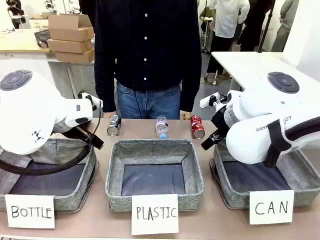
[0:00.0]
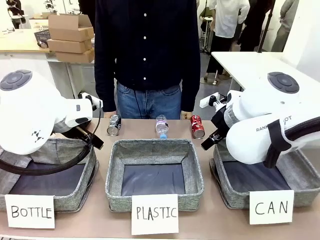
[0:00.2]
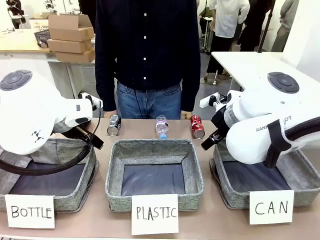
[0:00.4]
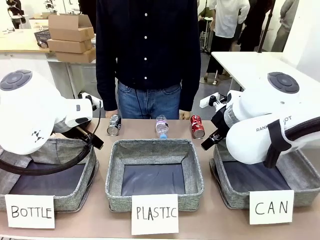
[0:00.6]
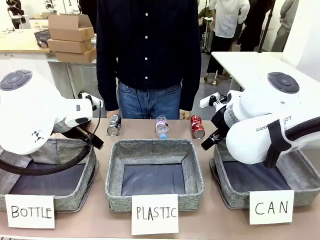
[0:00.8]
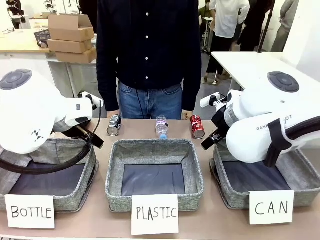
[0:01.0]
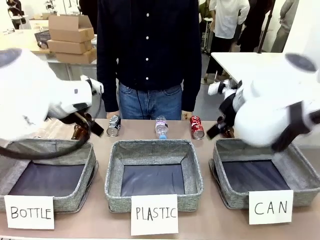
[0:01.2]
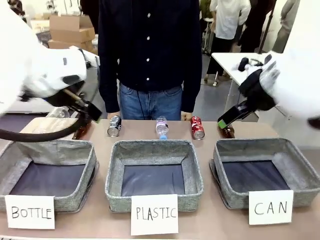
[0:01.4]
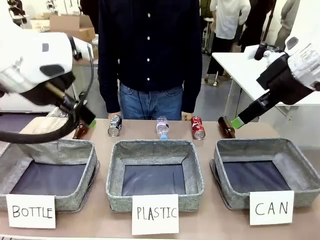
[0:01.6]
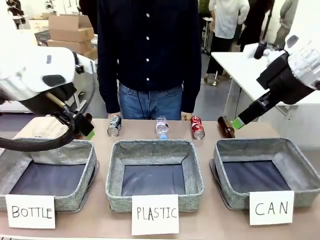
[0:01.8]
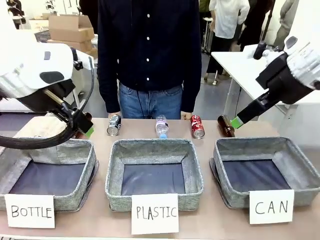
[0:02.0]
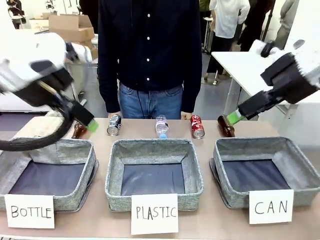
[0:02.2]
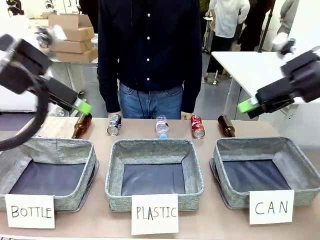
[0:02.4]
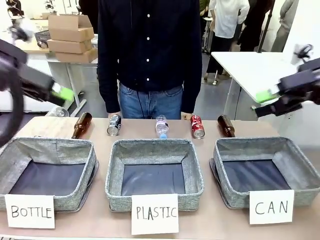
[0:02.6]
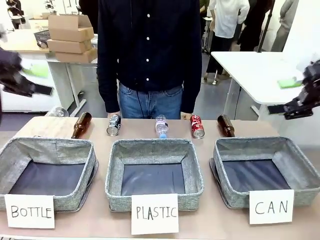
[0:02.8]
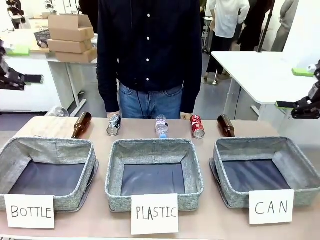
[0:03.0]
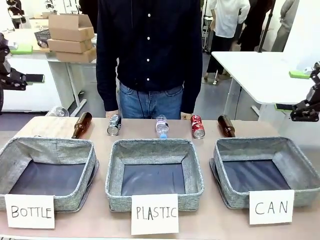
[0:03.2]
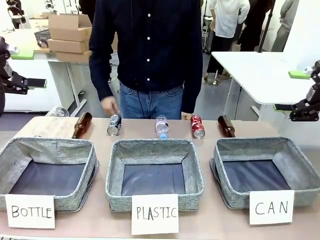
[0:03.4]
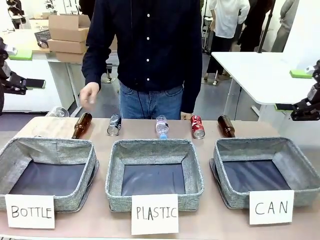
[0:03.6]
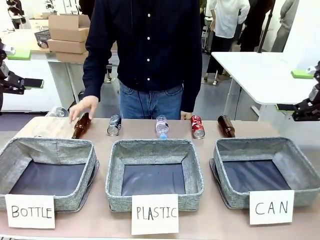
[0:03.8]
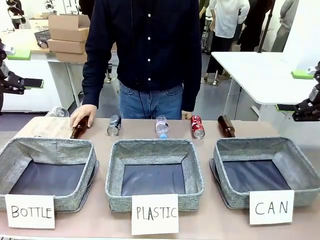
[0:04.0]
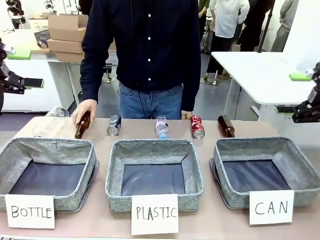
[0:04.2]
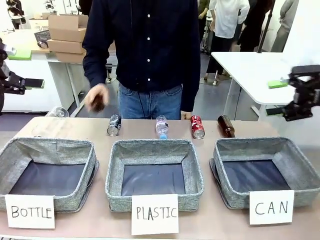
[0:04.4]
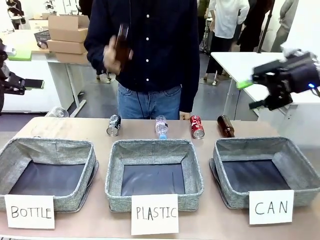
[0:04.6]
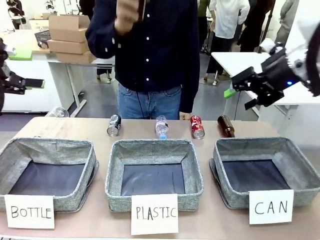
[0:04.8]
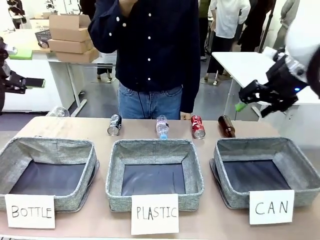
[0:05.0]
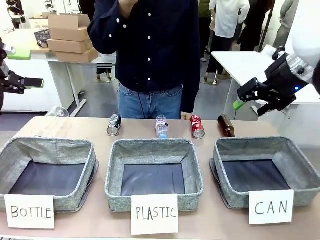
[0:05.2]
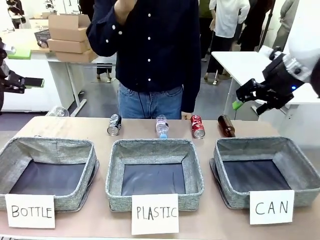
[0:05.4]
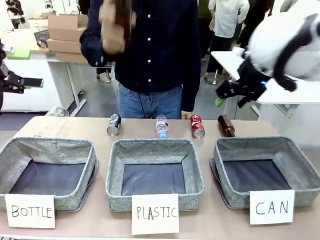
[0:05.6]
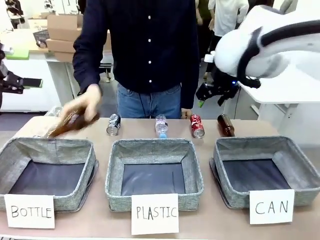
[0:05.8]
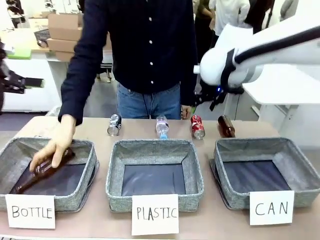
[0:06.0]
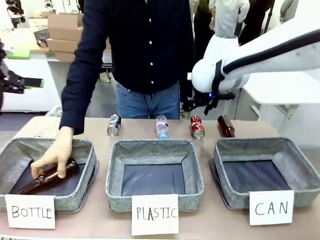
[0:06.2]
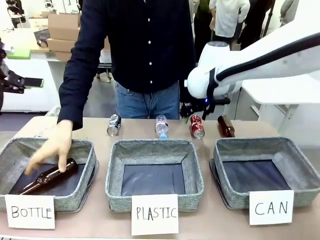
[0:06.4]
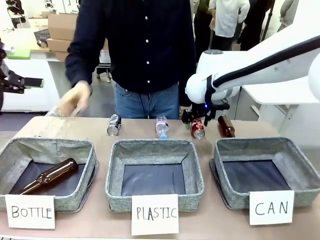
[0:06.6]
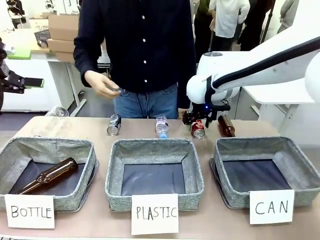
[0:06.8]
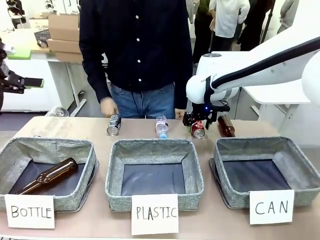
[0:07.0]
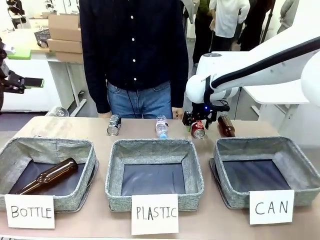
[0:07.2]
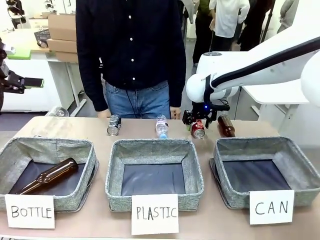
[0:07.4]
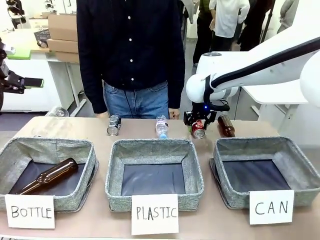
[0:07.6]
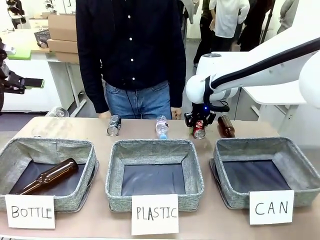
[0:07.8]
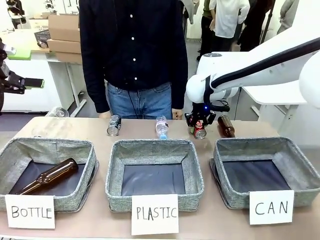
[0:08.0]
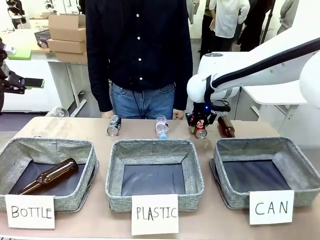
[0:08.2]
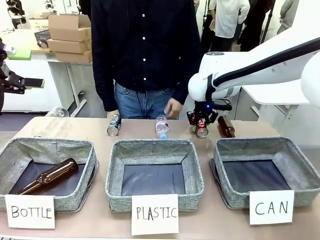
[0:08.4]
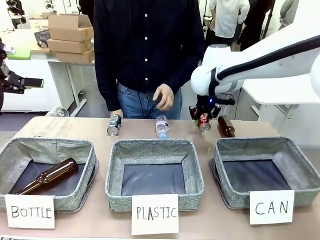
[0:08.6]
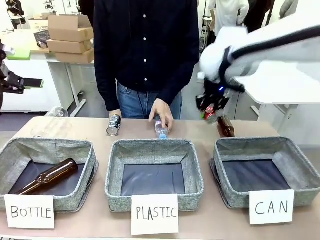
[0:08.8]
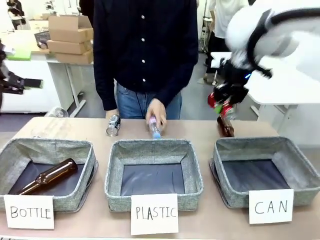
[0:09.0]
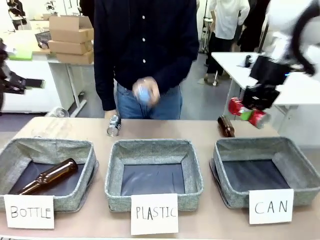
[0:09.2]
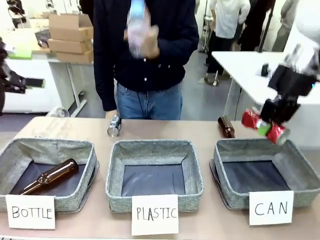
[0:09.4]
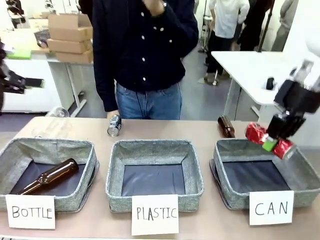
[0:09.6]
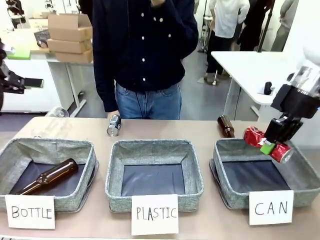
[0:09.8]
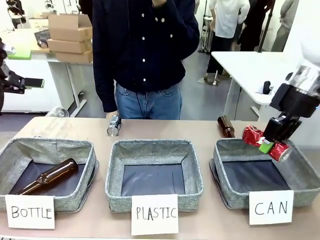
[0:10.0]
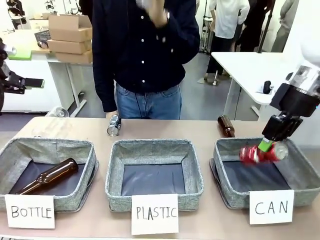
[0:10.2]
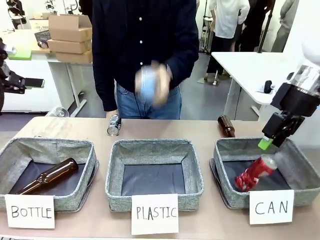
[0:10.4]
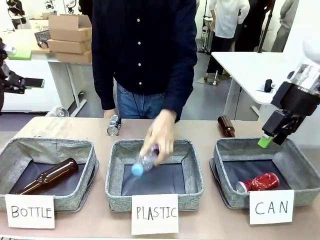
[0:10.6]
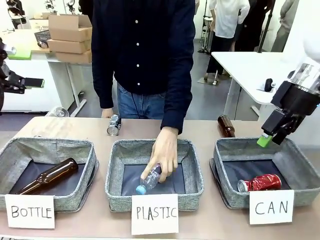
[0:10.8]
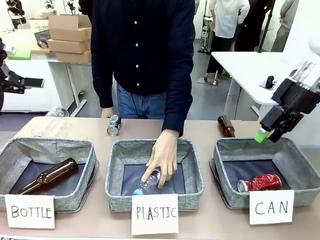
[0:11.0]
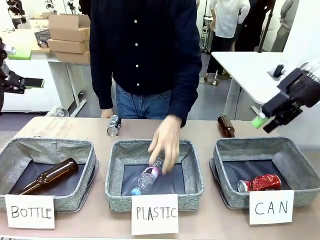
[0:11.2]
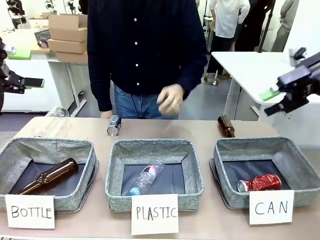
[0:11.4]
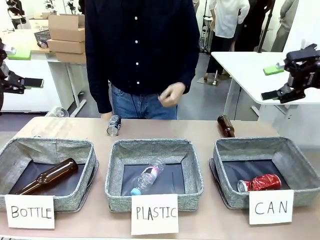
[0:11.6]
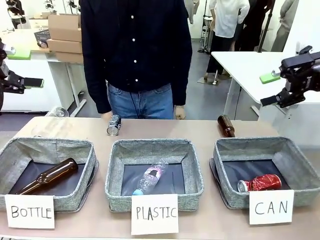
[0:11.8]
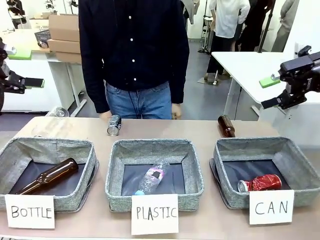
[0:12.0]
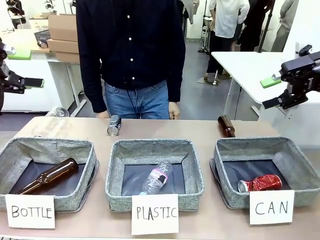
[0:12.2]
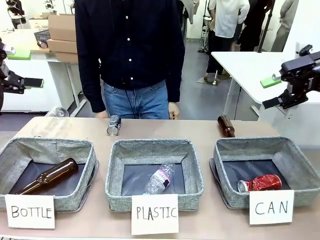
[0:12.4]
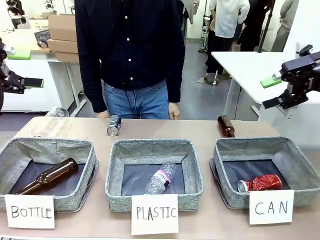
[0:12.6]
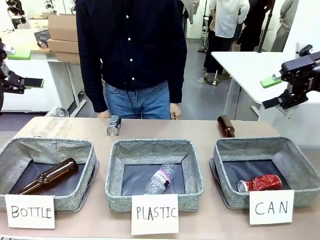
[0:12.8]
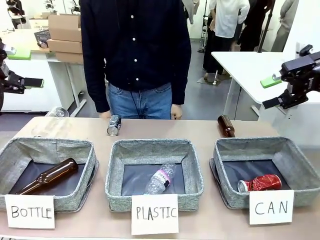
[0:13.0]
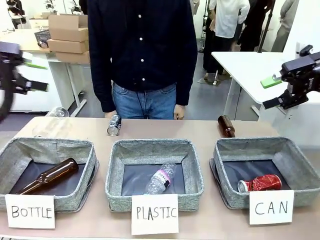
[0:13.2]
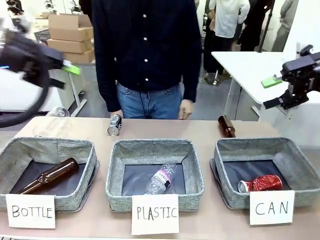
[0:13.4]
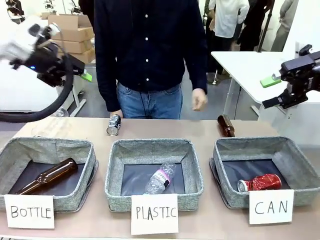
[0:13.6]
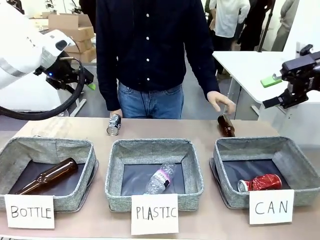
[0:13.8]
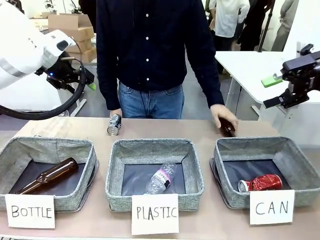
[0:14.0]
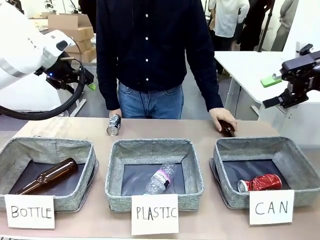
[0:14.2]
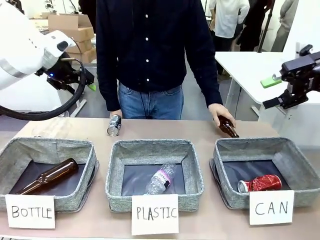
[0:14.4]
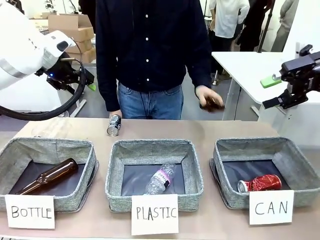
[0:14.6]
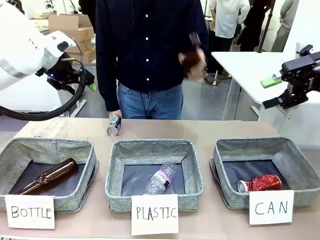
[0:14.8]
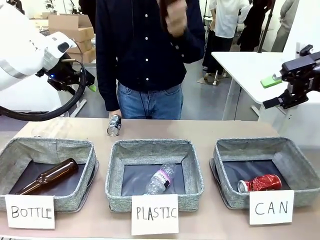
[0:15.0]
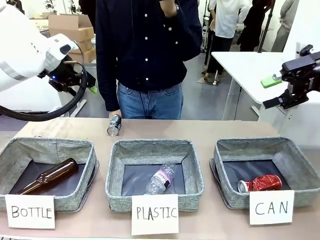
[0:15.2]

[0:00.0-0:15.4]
Task: Sort the can waste into the basket.
Robot: Pick up the can waste from the table and place it in the right Fabric basket.
